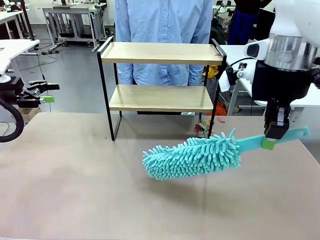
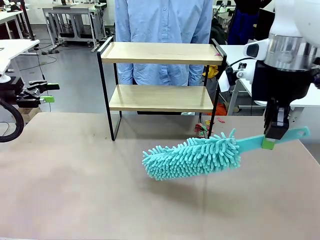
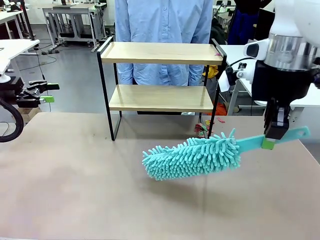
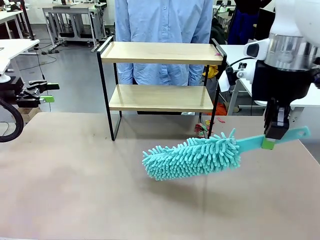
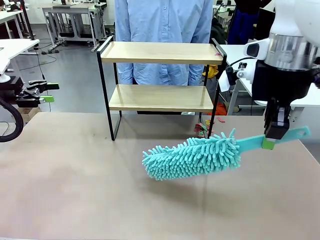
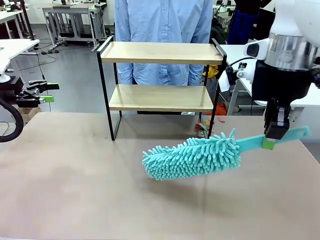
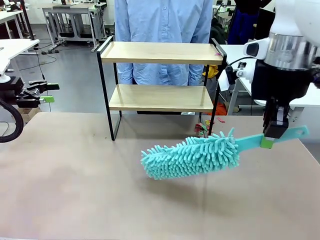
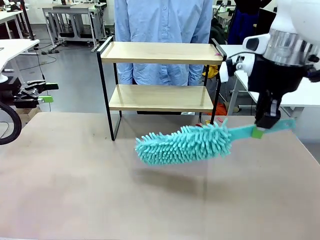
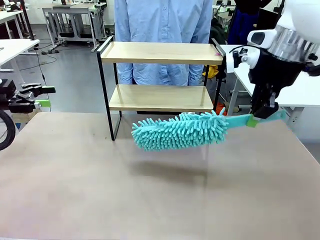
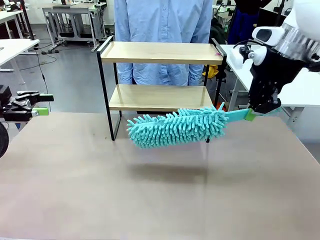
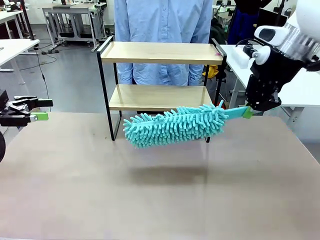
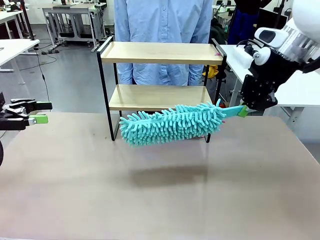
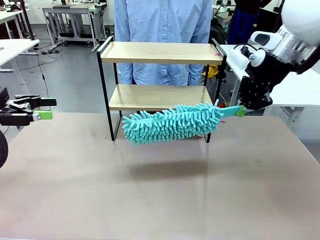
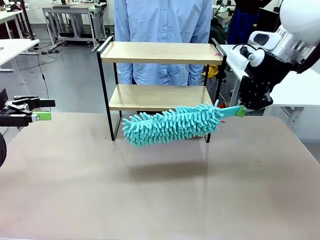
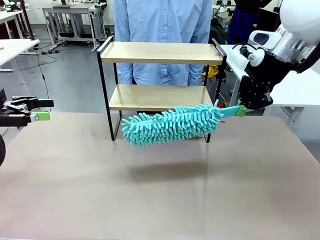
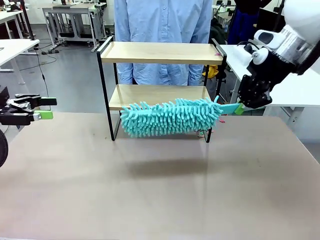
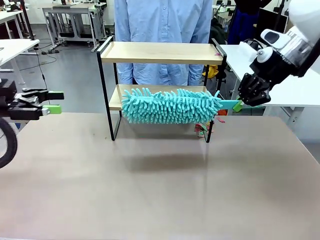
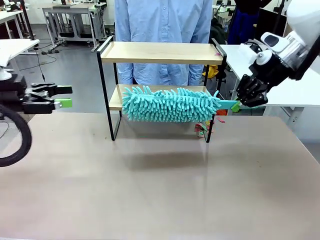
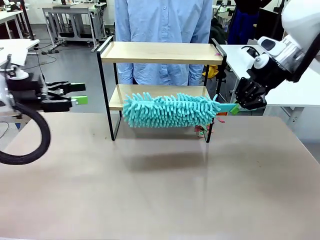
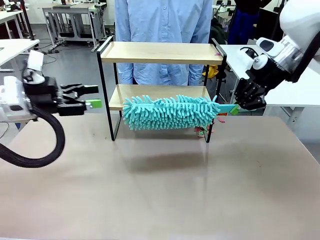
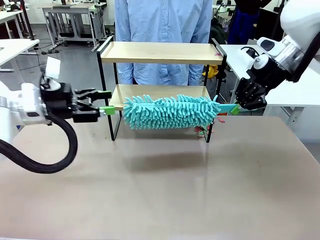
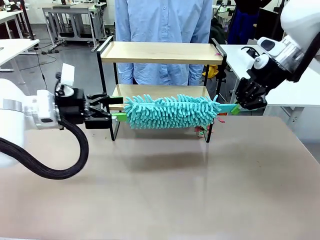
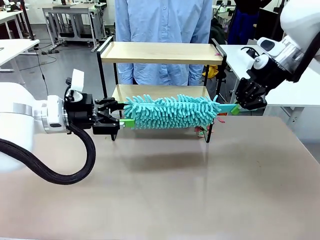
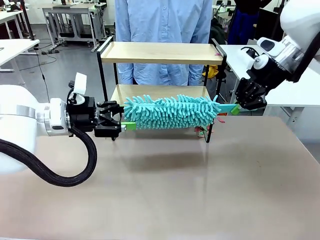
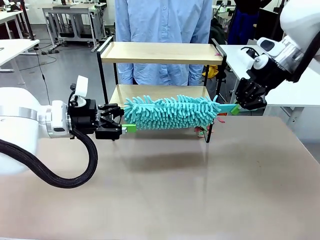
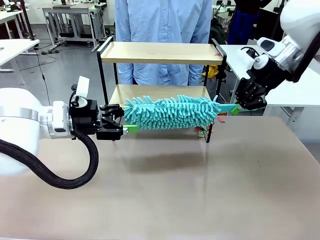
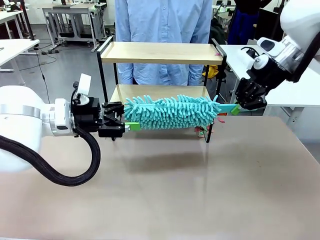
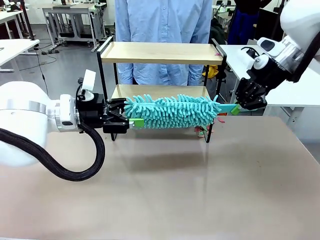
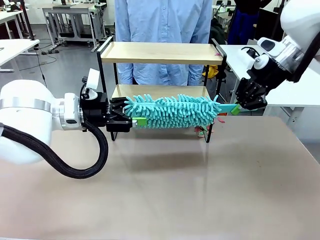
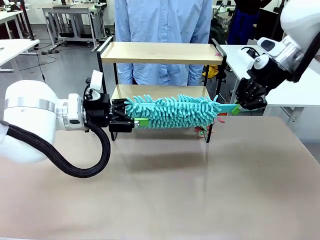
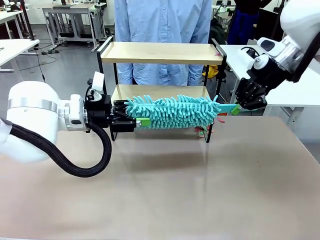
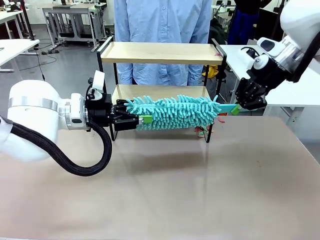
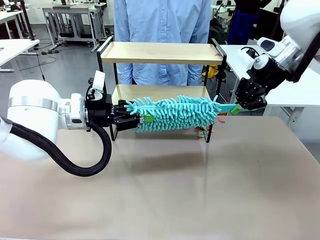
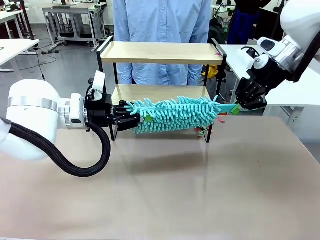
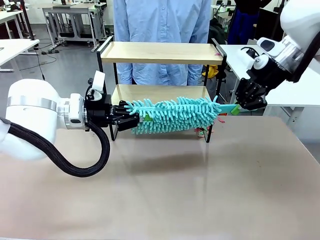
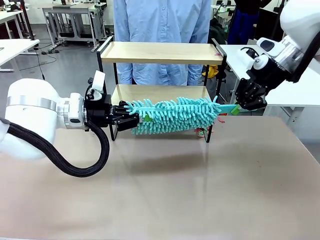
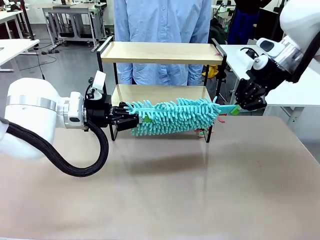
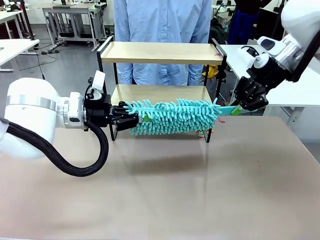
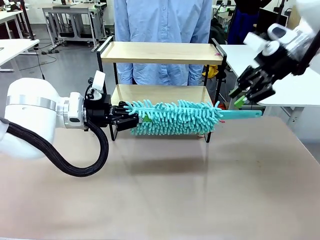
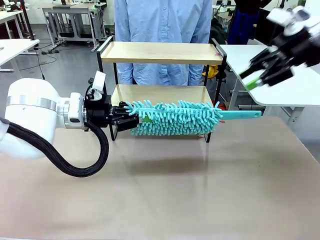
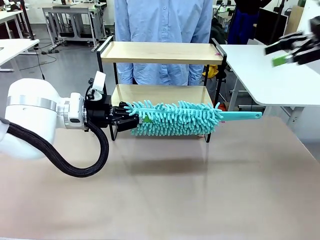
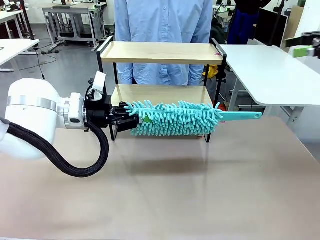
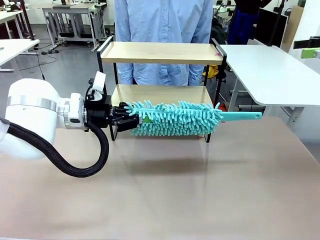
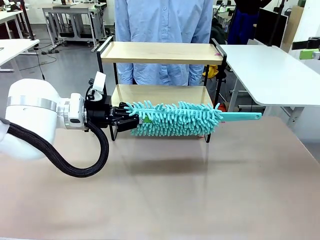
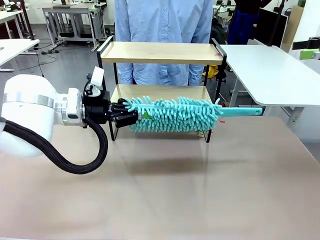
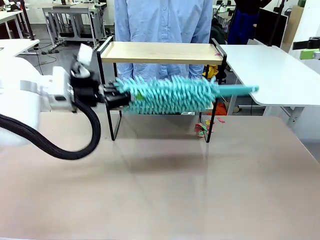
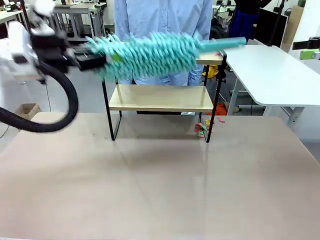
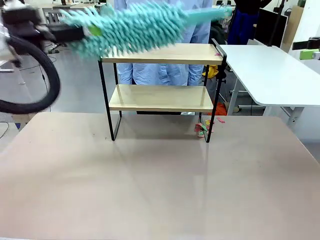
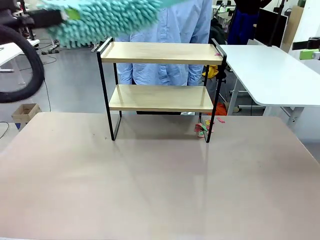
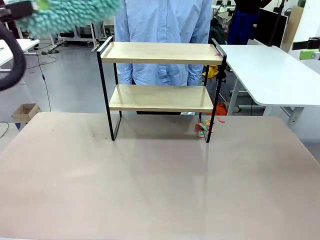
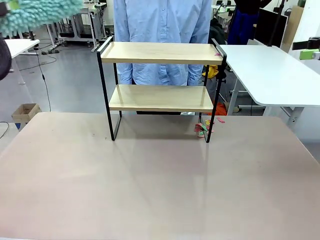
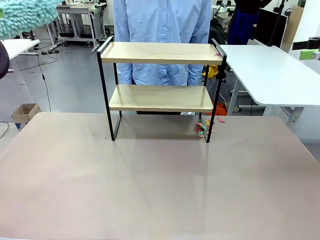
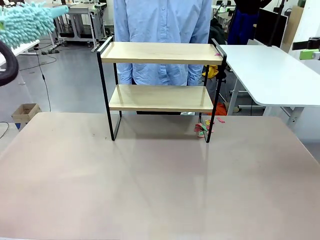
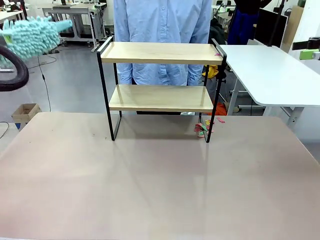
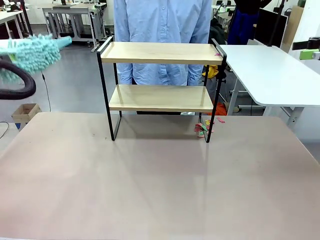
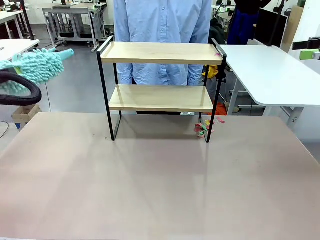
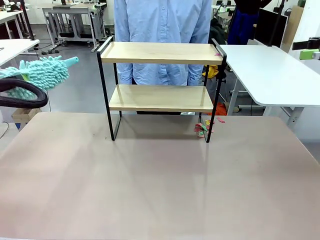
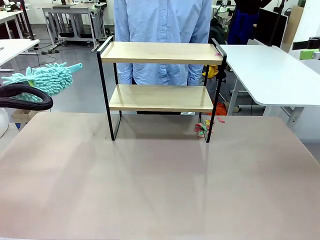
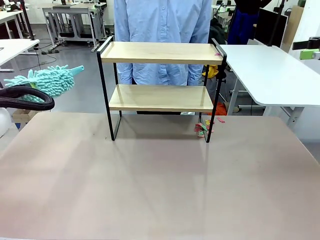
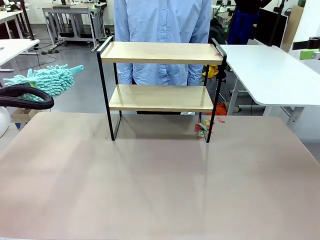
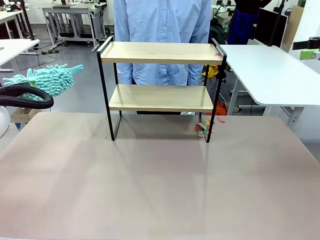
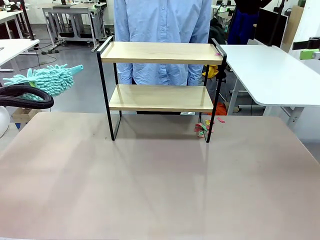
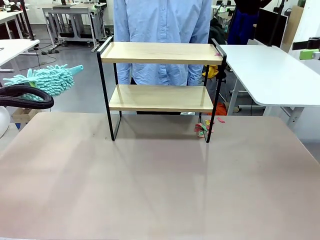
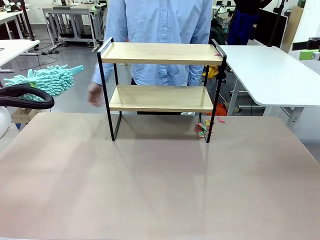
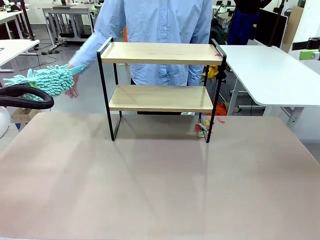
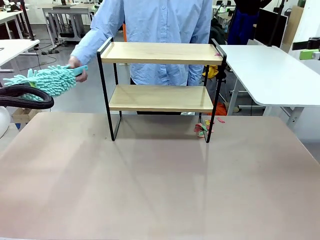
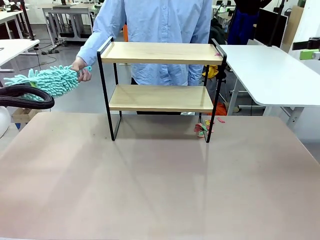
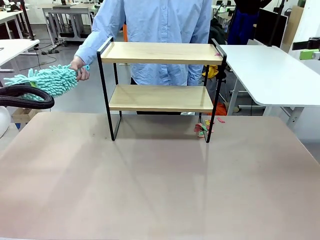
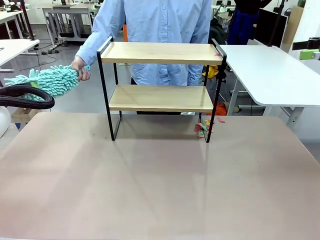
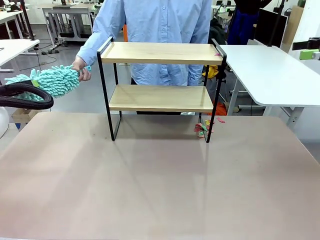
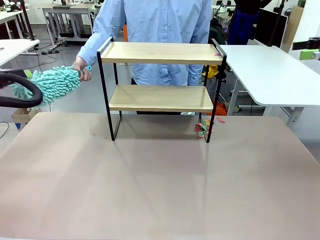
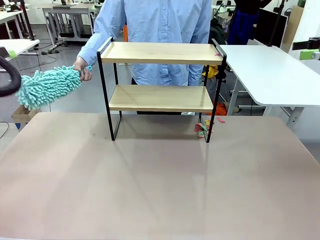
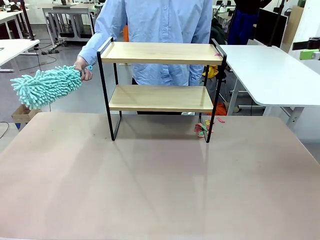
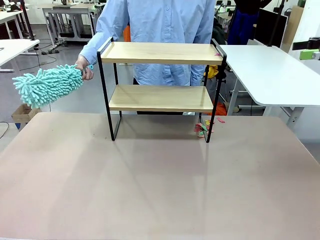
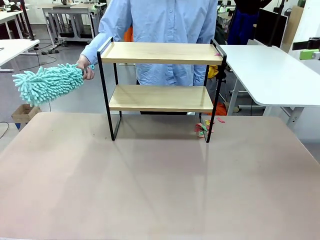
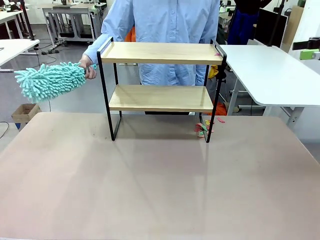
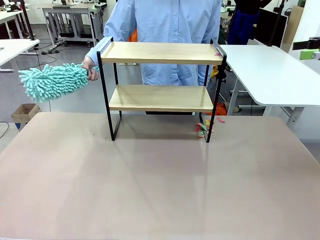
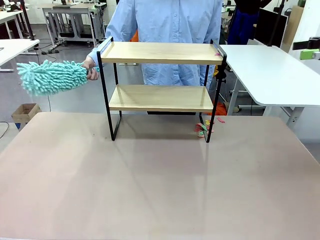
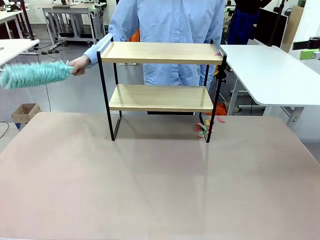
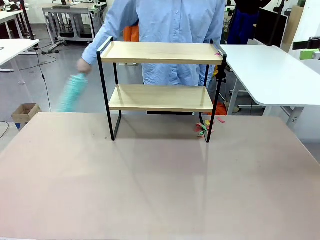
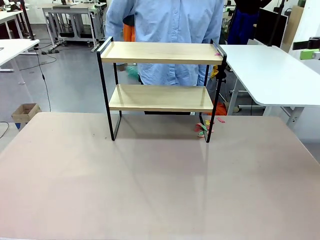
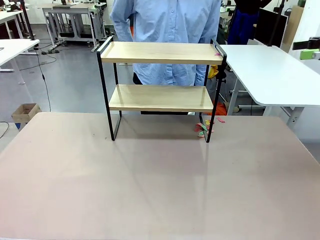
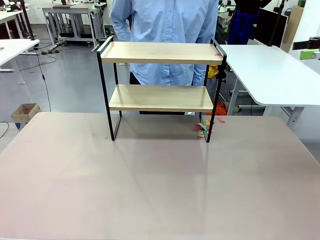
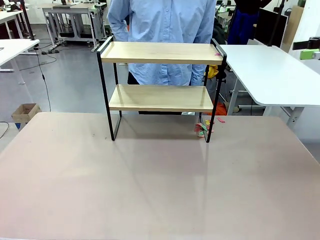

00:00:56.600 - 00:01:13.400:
Task: Clean the shelf.
Robot: Hand the Duster back to the human.
Person: Receive the Duster from the robot.
